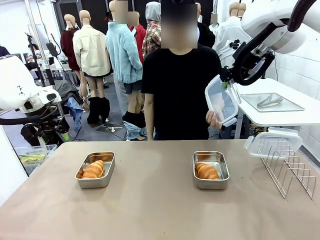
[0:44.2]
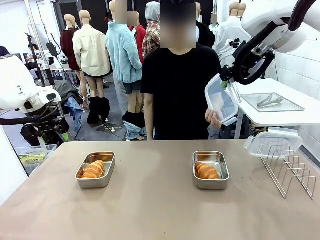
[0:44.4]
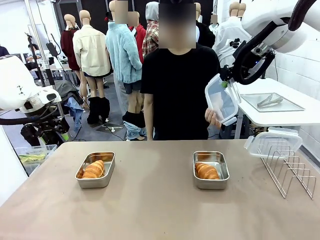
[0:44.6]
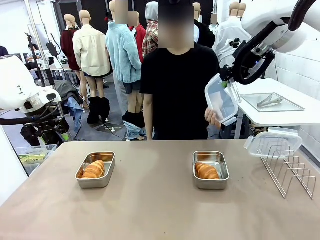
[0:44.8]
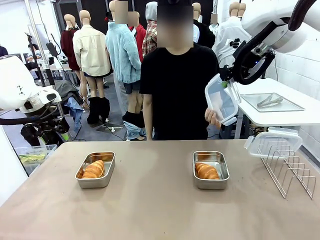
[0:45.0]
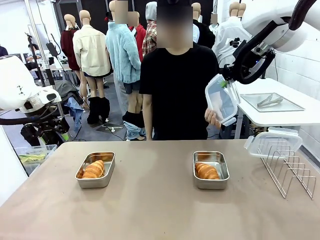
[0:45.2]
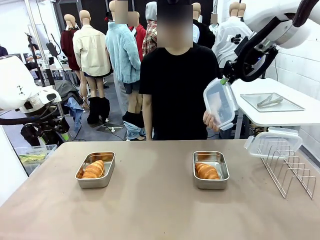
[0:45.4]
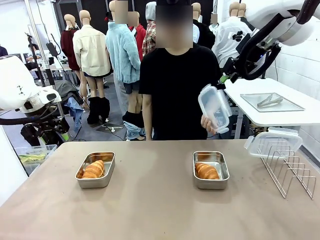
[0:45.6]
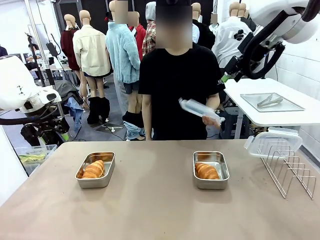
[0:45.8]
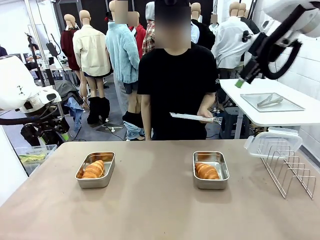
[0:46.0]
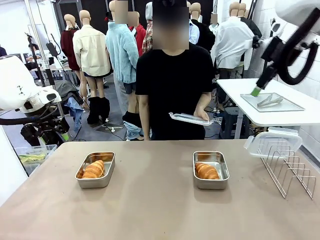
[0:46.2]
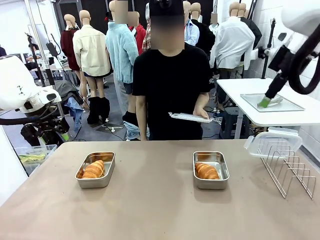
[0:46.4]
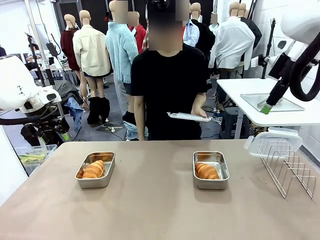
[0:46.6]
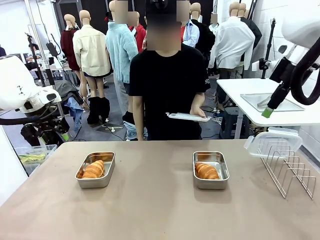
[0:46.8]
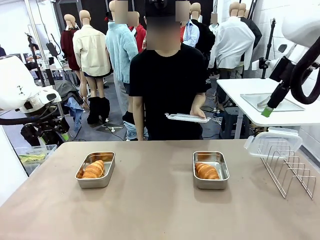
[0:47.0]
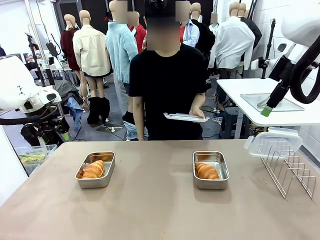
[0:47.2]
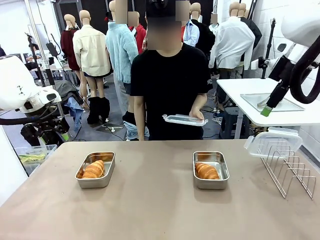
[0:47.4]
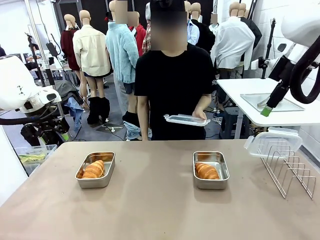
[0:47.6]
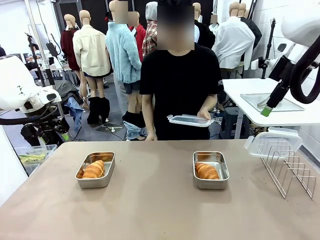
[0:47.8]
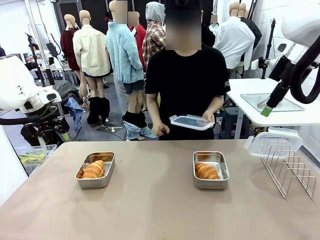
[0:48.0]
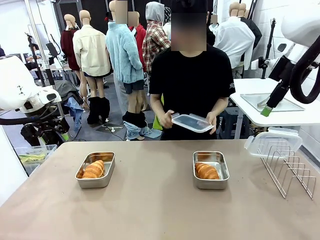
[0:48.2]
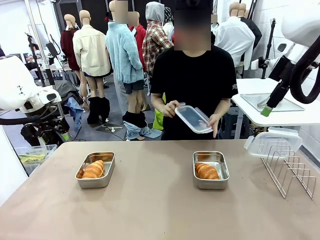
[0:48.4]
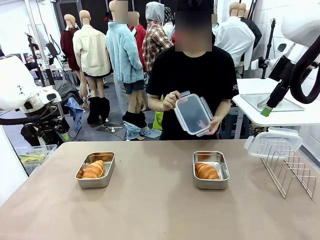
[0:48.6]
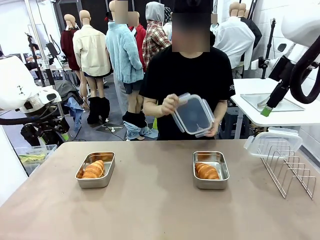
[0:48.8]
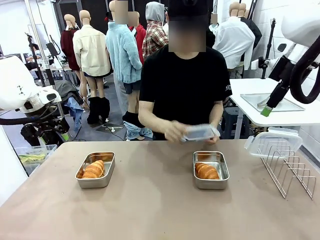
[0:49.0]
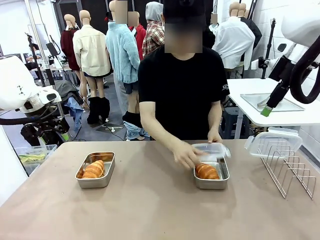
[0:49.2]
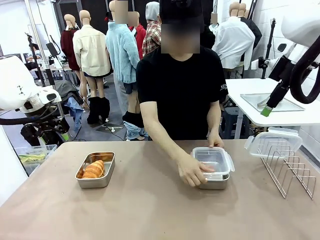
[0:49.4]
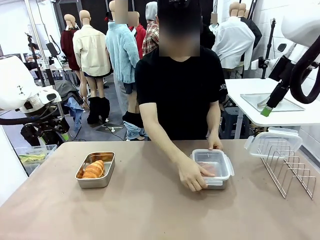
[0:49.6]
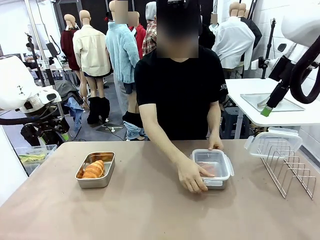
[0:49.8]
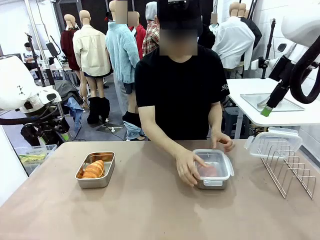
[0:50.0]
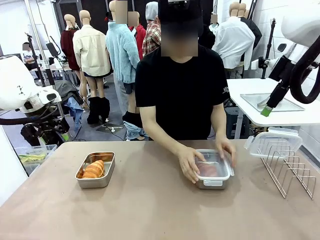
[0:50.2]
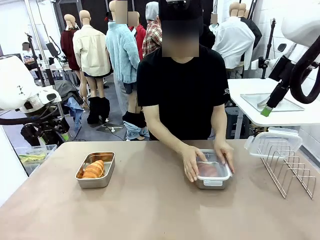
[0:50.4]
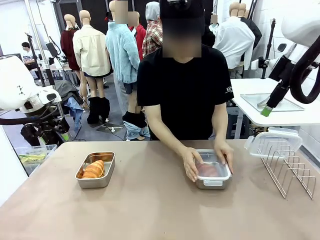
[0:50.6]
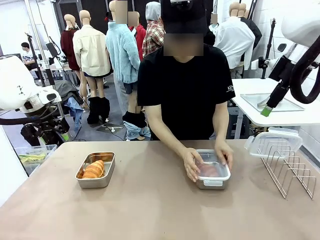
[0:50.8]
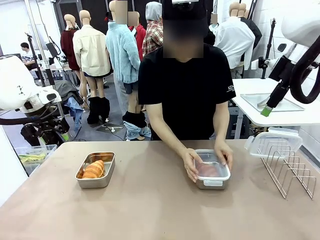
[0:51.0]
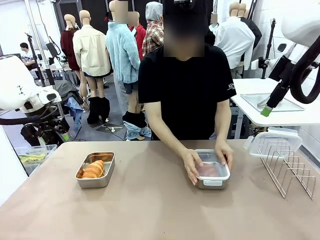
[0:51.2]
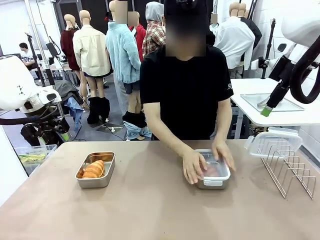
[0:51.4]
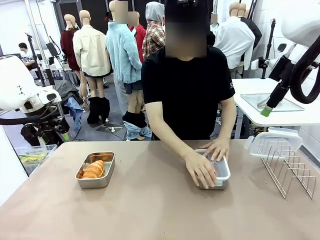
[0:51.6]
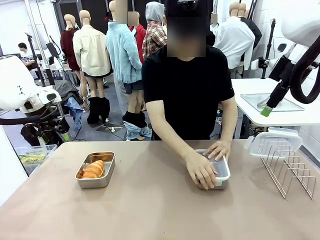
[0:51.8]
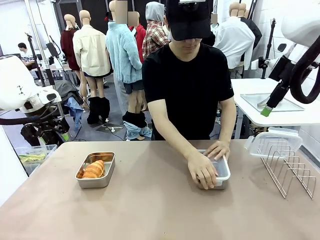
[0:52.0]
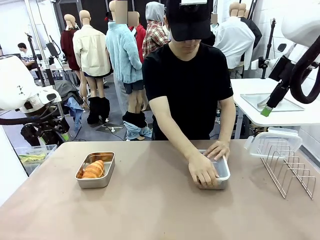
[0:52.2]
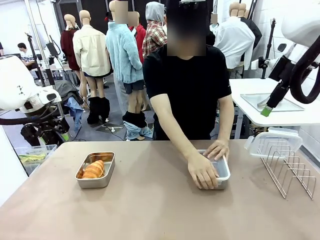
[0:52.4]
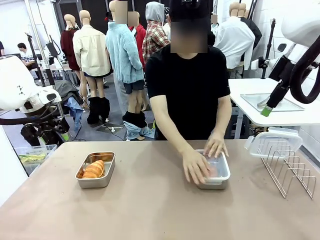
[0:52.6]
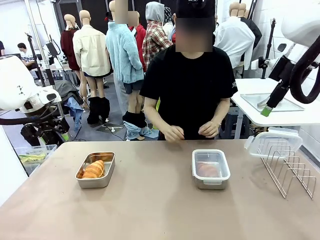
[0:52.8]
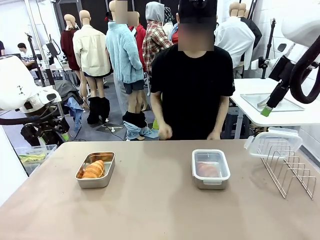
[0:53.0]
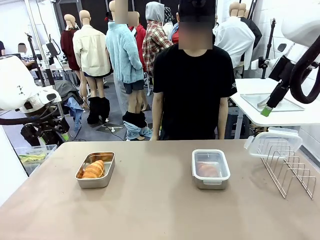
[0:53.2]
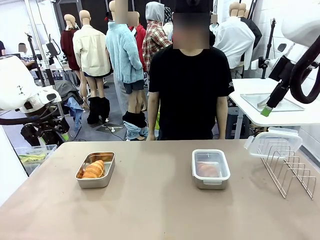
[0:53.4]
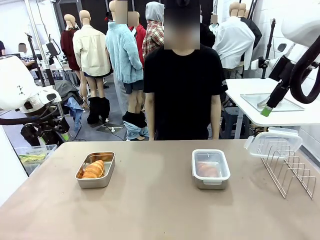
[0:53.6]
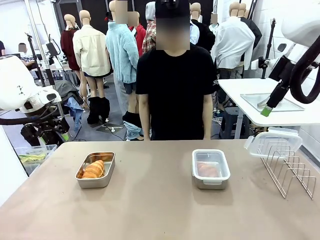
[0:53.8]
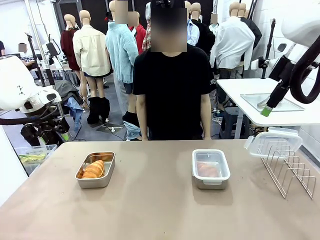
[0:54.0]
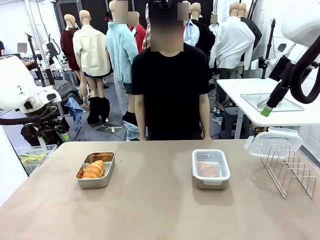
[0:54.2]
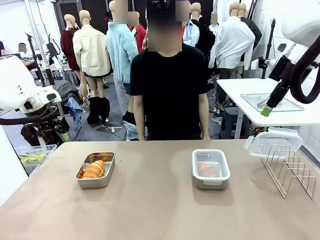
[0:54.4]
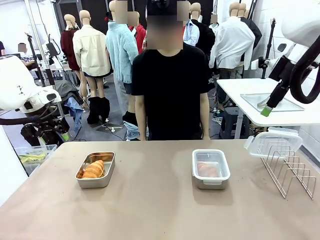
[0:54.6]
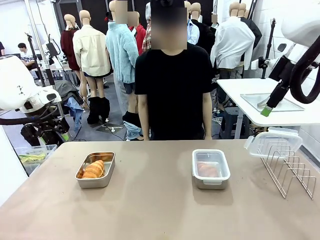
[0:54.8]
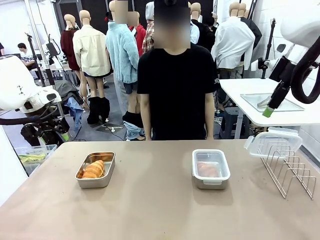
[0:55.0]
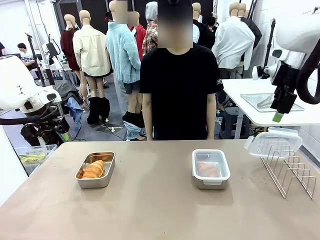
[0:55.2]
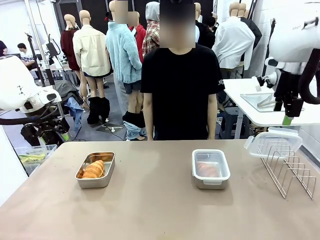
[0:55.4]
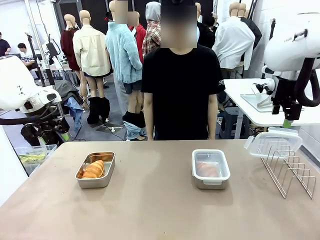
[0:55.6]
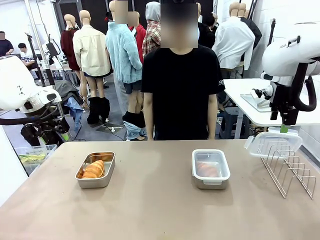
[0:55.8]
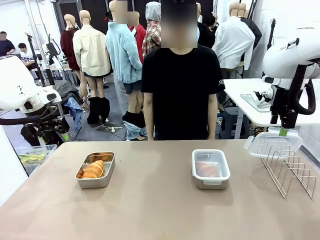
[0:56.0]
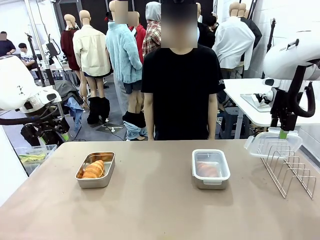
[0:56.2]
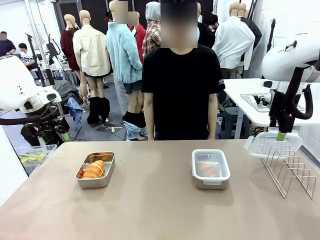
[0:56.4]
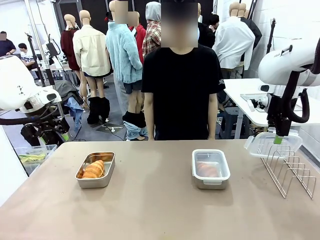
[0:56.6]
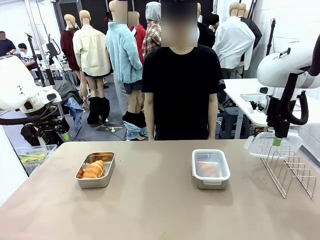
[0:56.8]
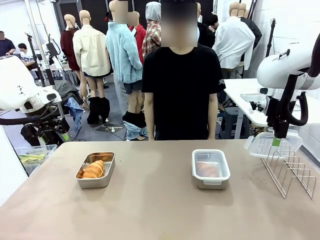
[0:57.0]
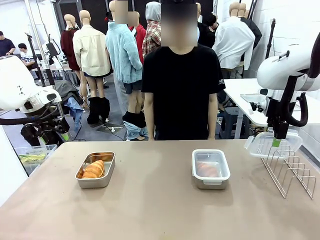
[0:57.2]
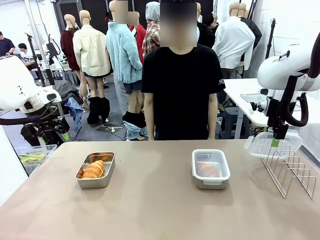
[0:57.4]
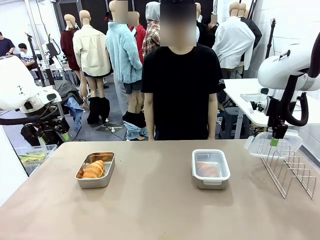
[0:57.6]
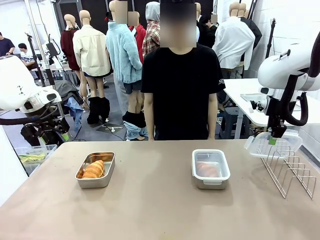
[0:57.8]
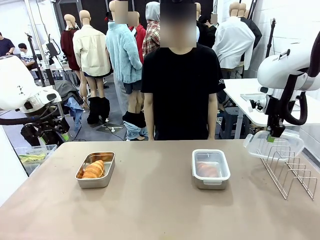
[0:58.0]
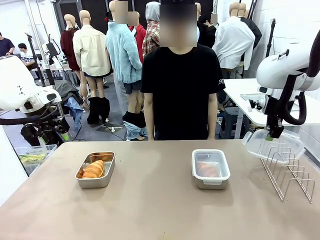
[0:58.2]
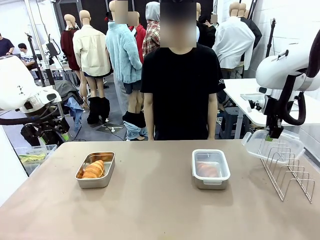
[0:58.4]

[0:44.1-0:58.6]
Task: Place the bread in airtight containers.
Robot: Pick up one Airtight Container lid and hand it to the human.
Person: Close Airtight Container with a handed Airtight Container lid.
